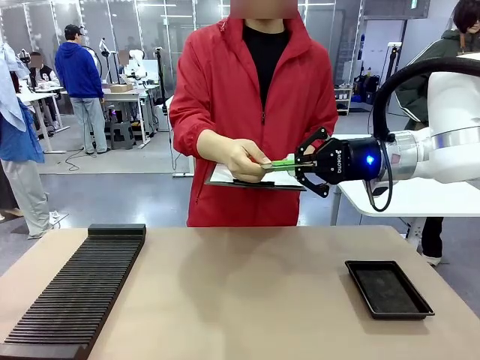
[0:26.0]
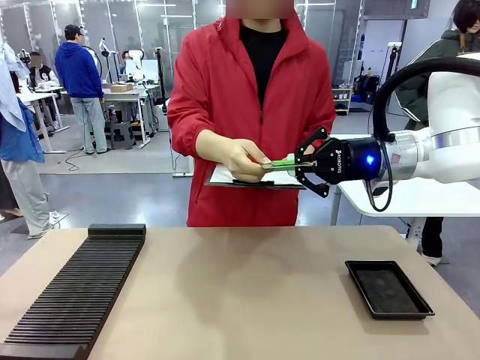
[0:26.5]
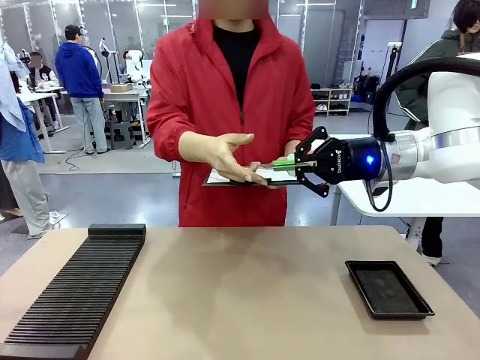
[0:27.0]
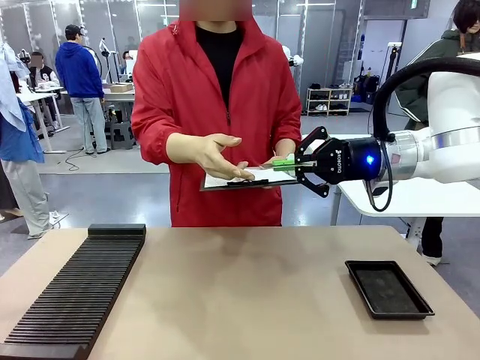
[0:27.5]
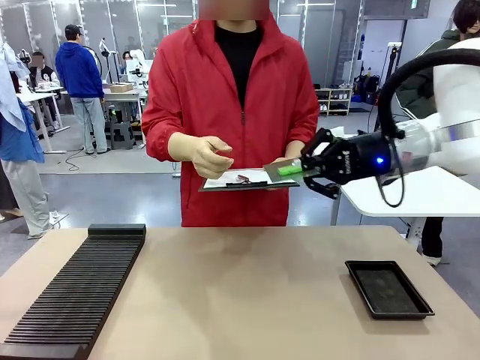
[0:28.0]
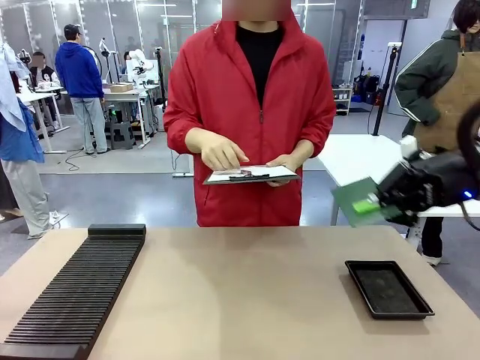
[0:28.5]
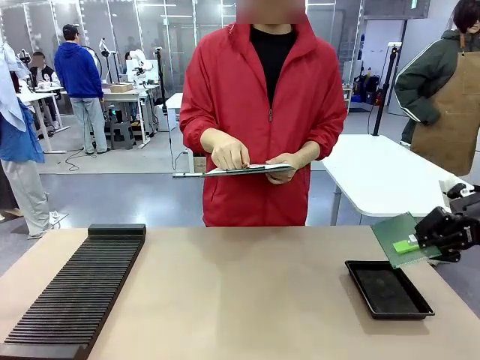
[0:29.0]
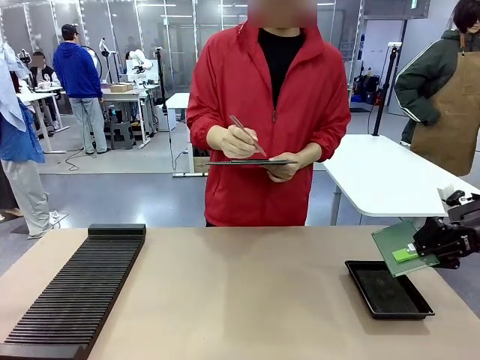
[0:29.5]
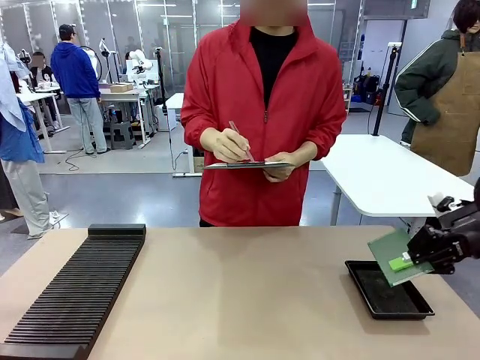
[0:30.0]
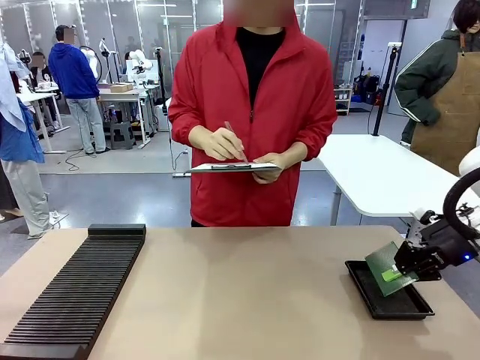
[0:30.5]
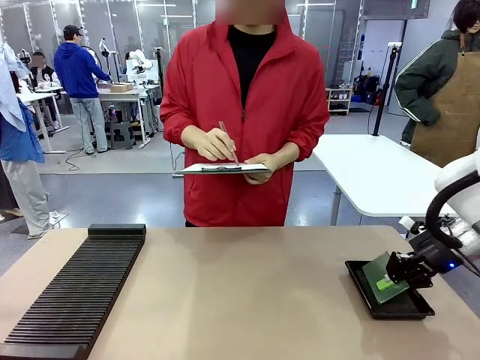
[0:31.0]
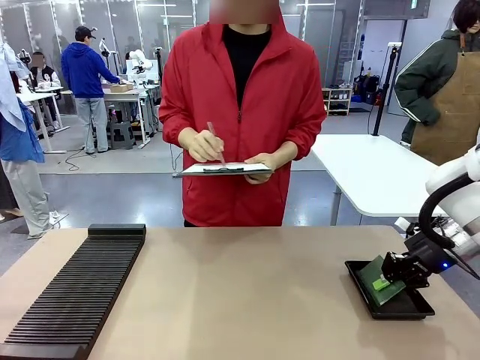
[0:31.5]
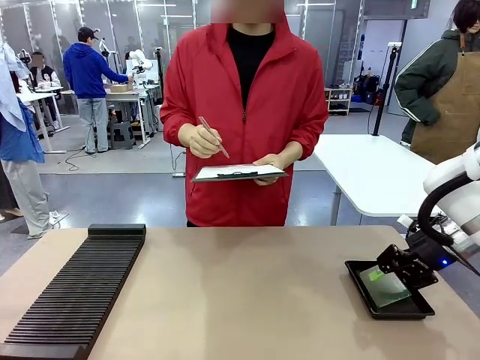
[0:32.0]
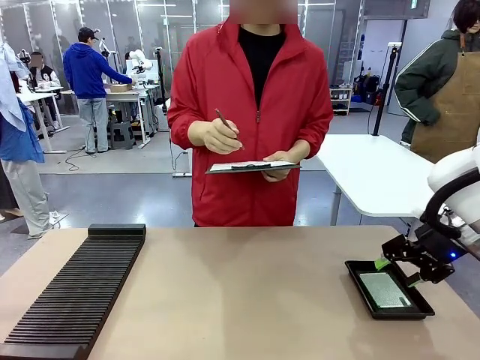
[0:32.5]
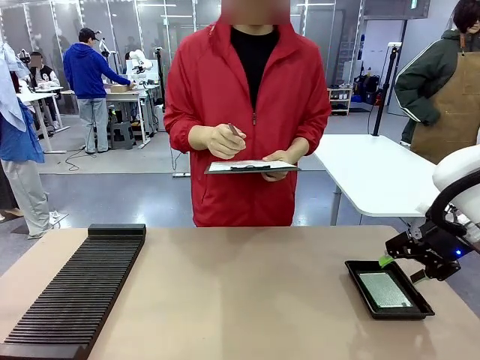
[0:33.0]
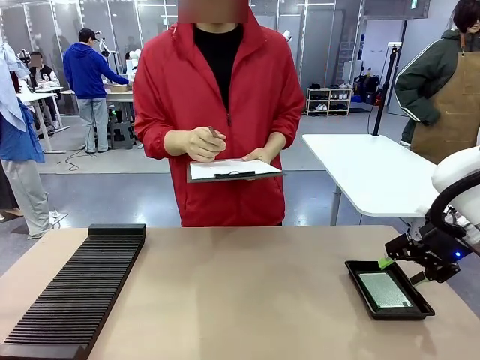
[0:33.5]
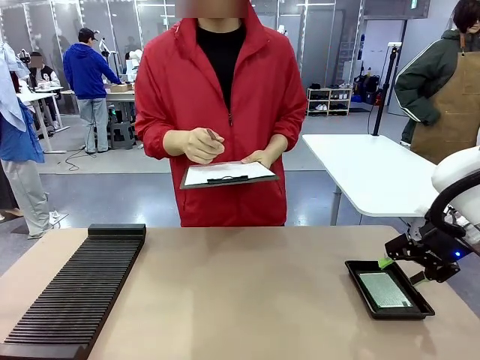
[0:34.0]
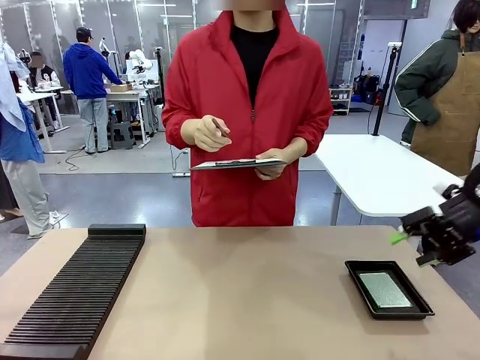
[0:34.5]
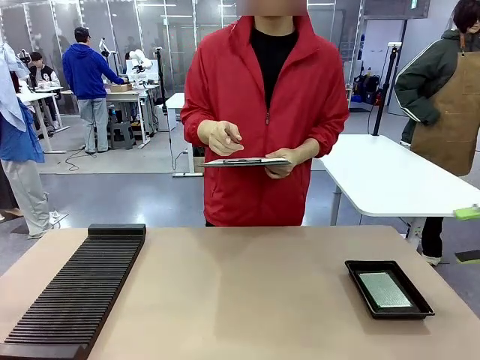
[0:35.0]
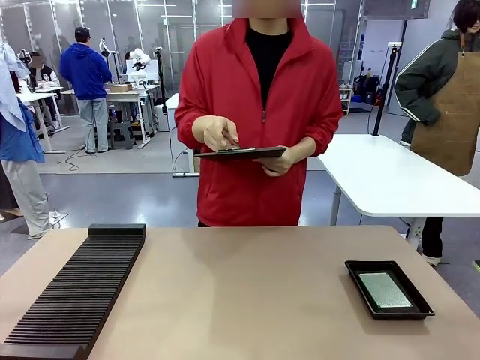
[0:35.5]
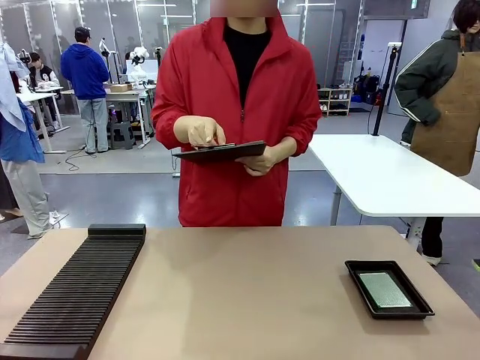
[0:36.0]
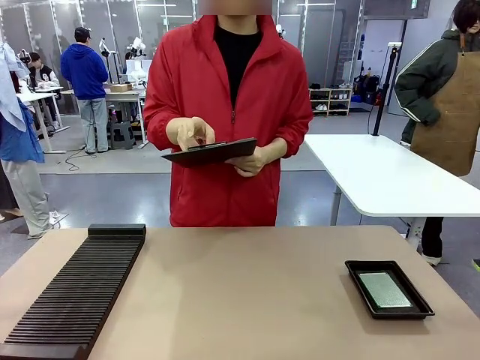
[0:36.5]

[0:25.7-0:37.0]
Task: Inspect the PCB.
Robot: Place the Blank PCB in the ESD tray.
Person: Record the PCB status on the paper.

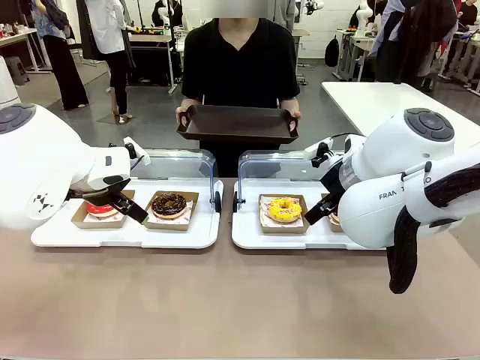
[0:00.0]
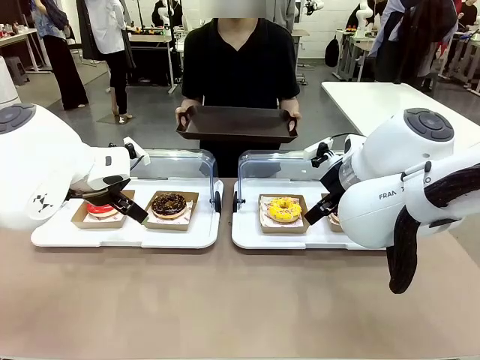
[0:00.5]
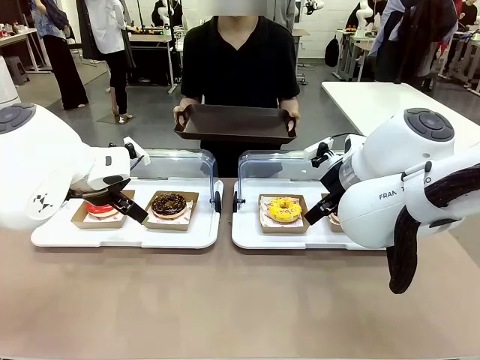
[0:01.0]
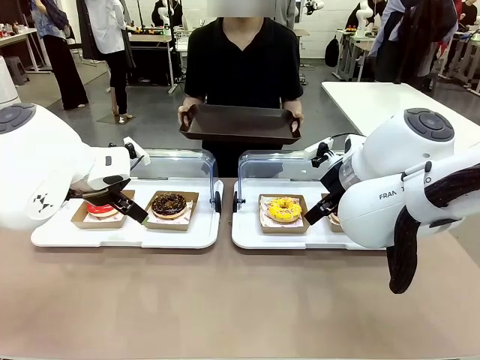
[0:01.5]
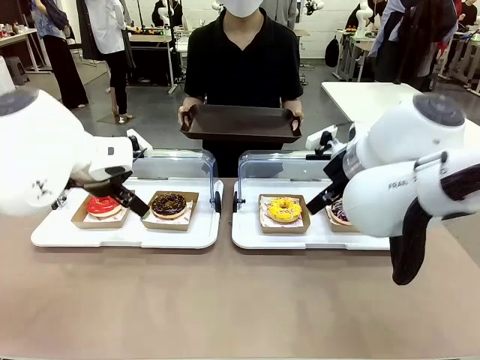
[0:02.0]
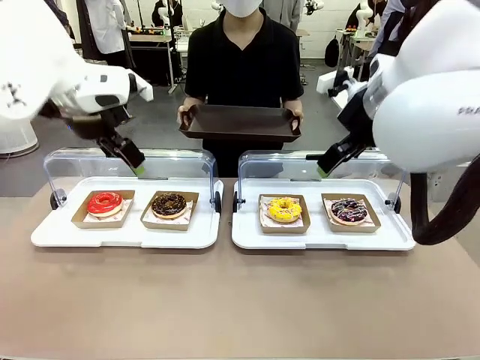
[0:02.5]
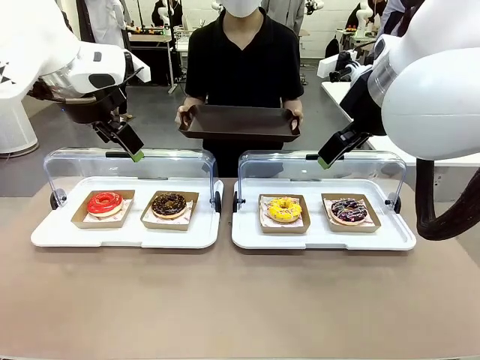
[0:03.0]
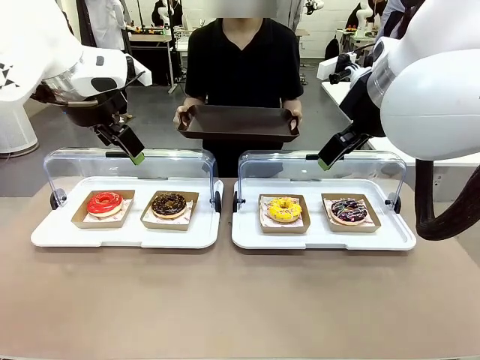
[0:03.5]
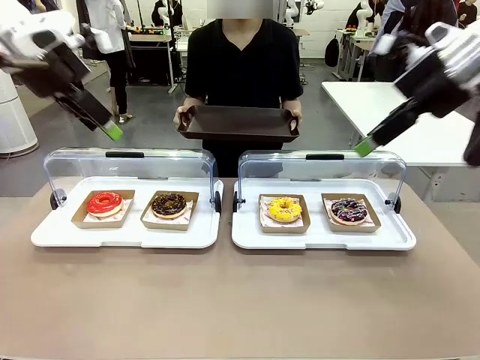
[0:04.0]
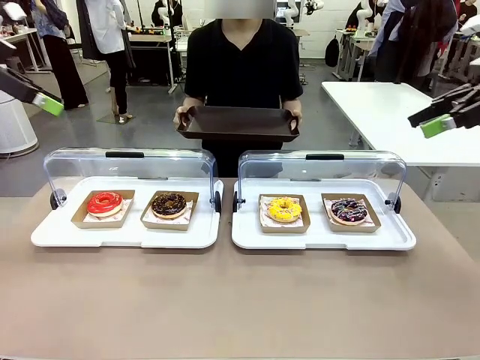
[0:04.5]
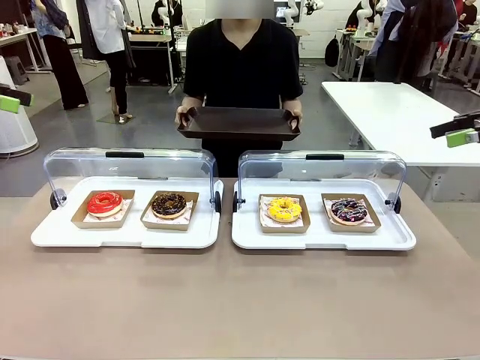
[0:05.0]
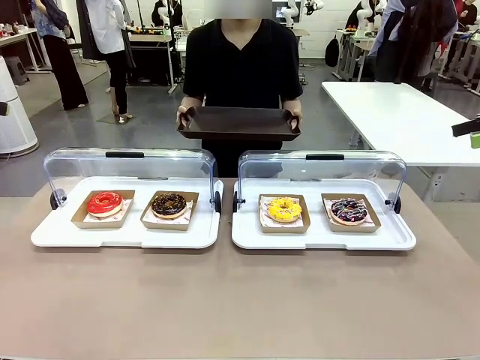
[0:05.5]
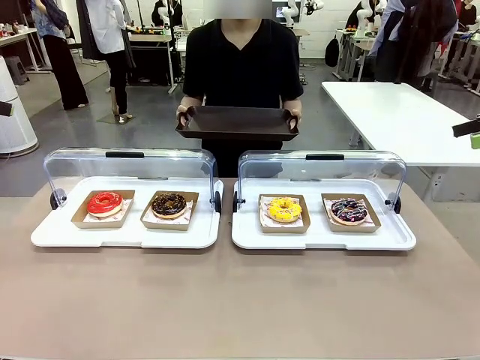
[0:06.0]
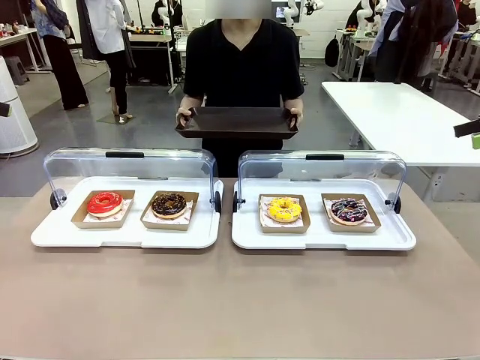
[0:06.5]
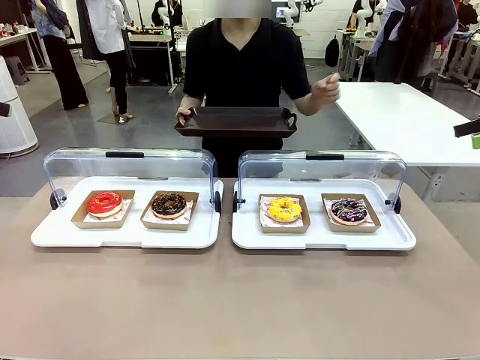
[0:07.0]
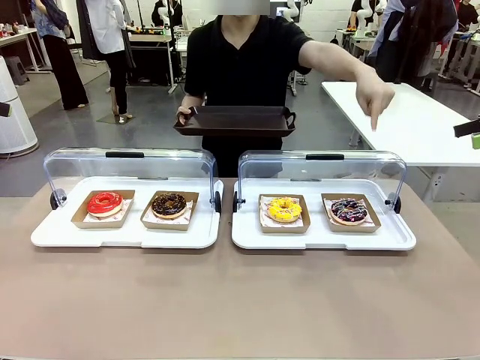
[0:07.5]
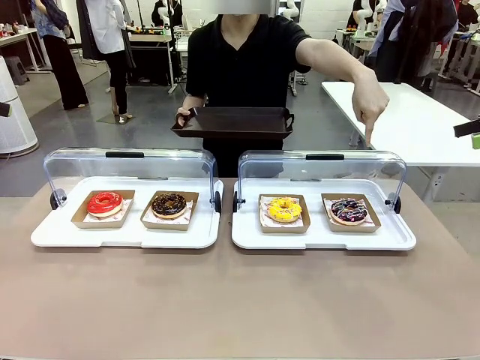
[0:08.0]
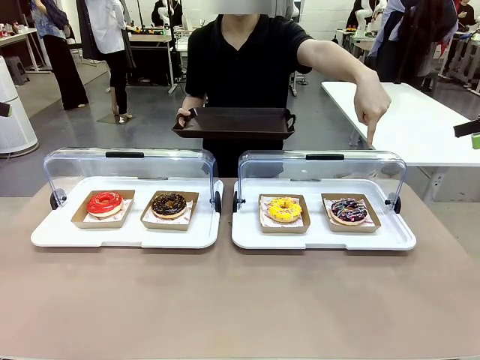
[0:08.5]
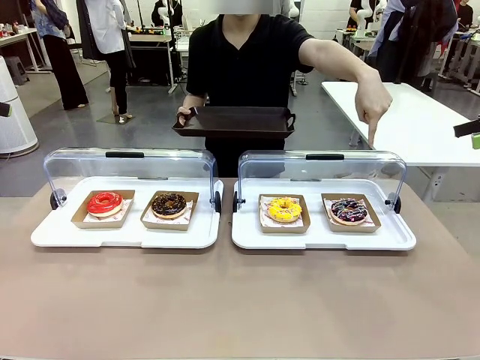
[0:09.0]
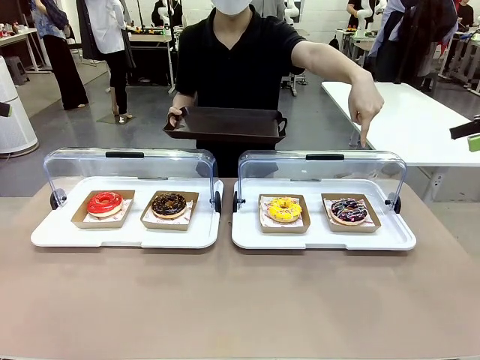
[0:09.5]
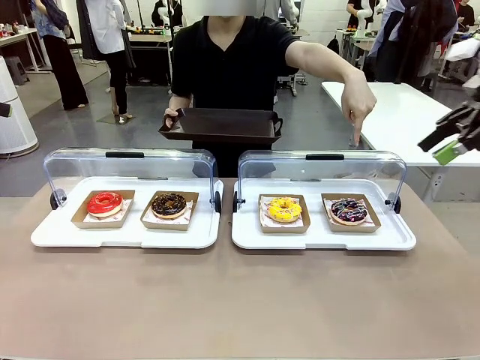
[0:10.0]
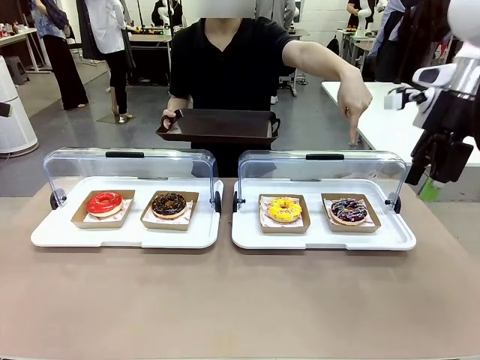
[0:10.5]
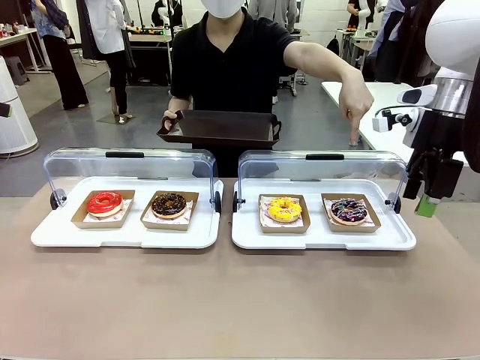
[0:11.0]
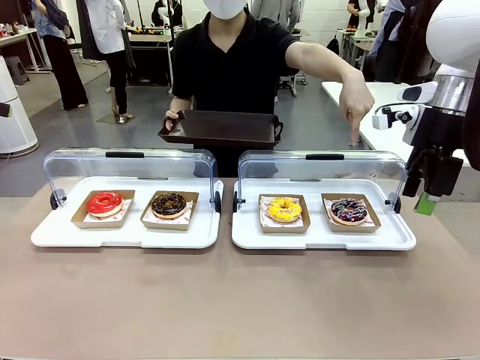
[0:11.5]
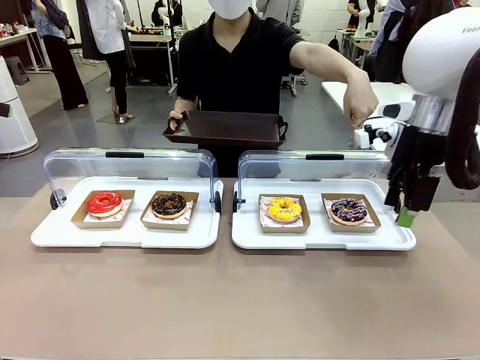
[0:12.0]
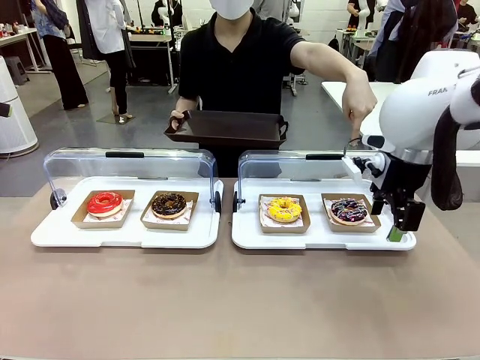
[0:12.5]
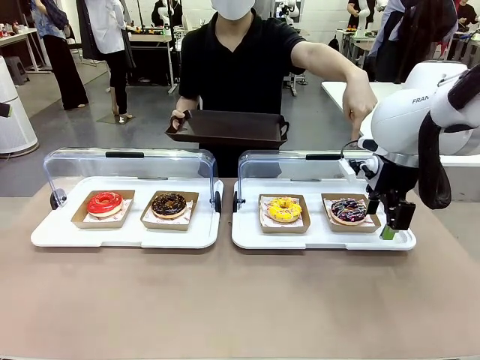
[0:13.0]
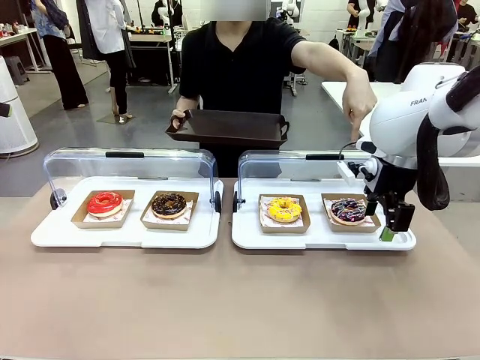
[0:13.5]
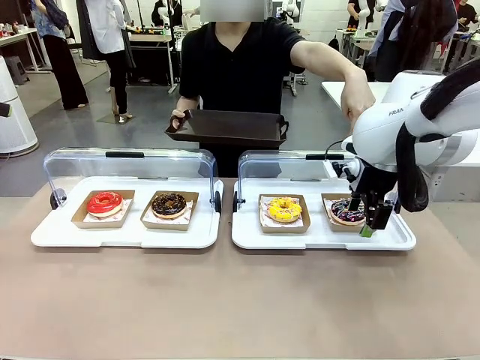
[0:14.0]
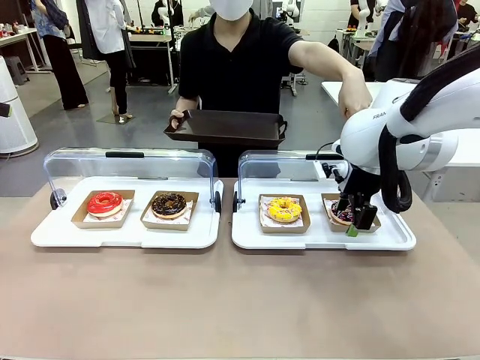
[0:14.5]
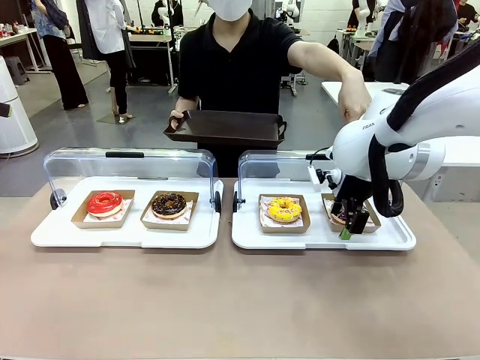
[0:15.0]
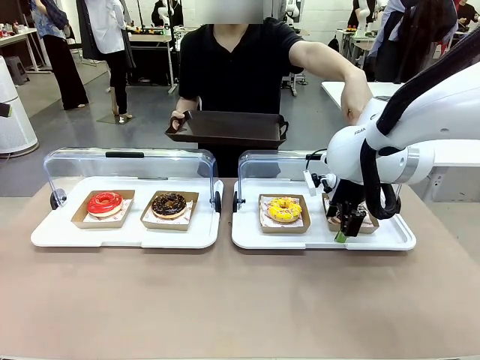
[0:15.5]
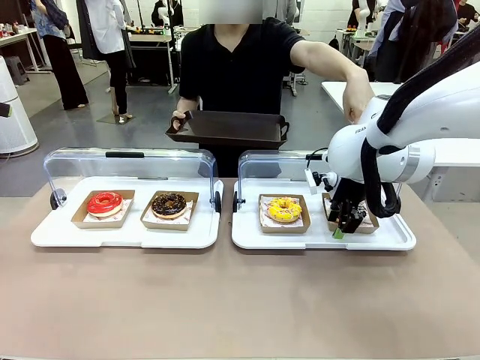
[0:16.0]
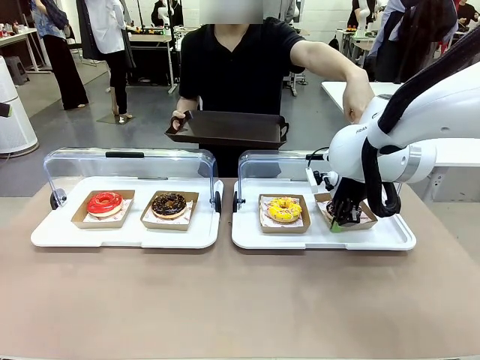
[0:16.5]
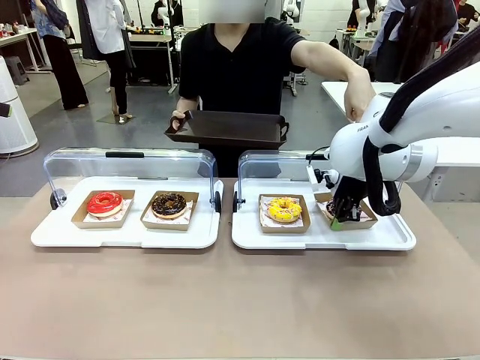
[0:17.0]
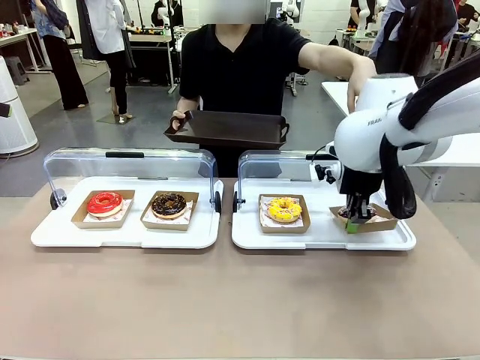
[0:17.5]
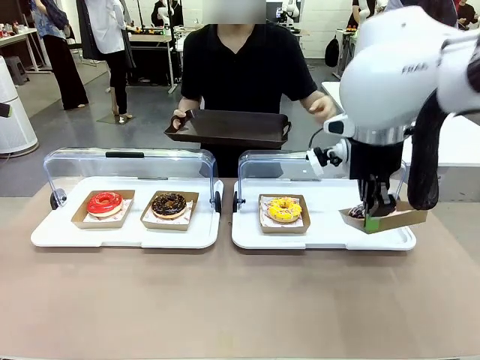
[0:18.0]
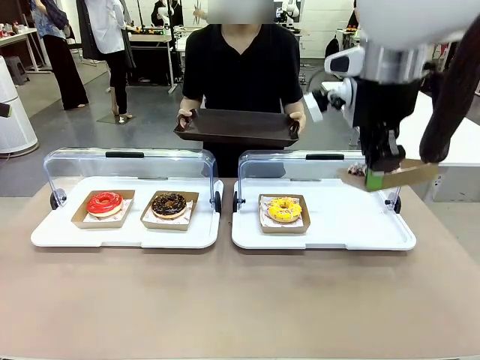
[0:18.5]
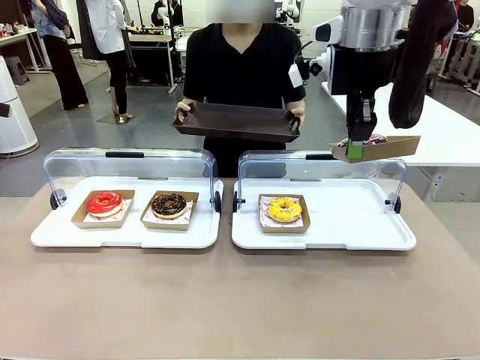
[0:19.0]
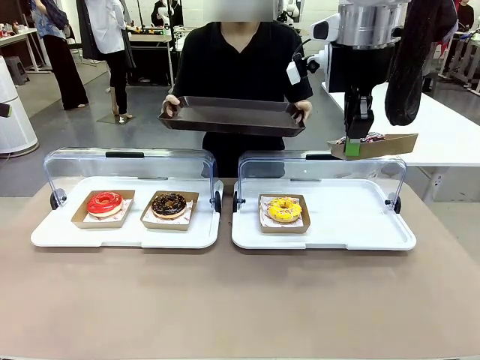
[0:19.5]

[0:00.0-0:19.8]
Task: Provide the desired donut to the person.
Robot: Pick up and lift the Paper togo box containing the Donut pointed at by the person.
Person: Point to one donut. Lift the tray onto the Roll-Top Bakery Case.
